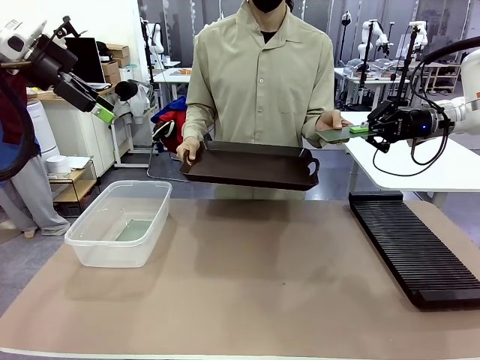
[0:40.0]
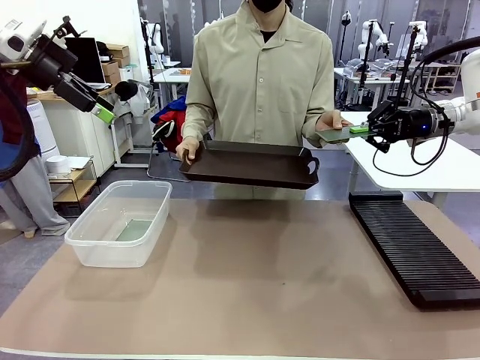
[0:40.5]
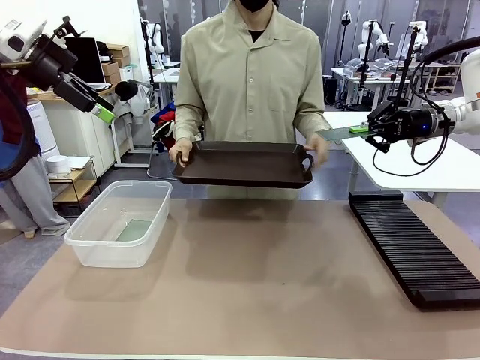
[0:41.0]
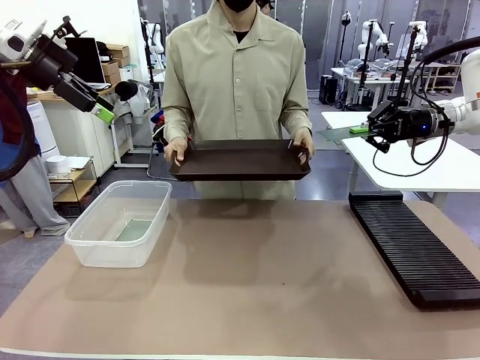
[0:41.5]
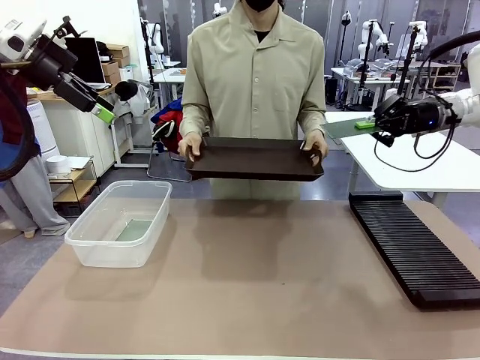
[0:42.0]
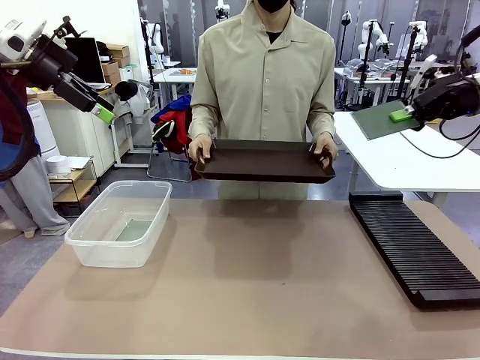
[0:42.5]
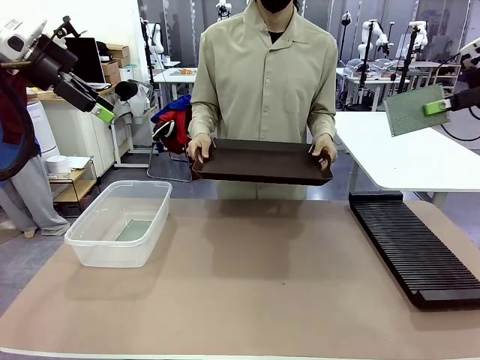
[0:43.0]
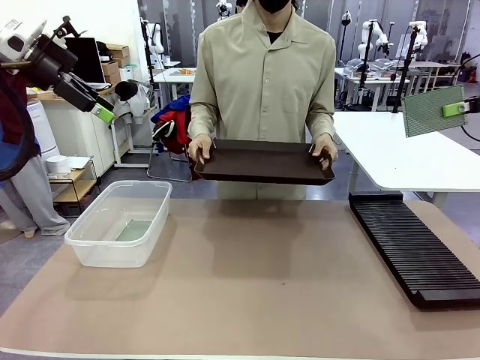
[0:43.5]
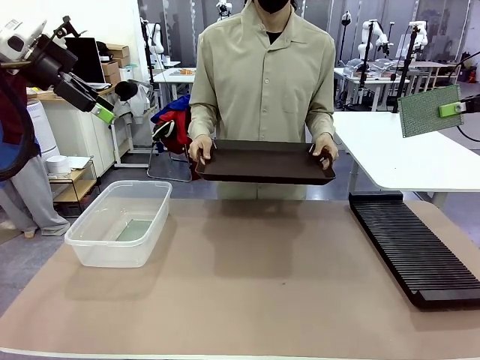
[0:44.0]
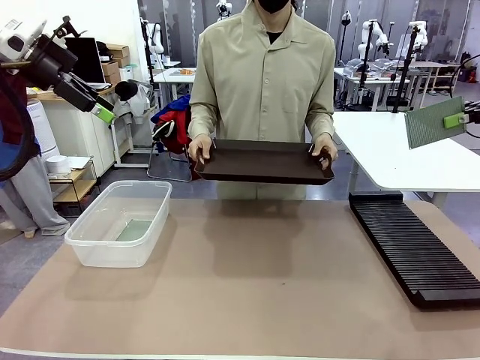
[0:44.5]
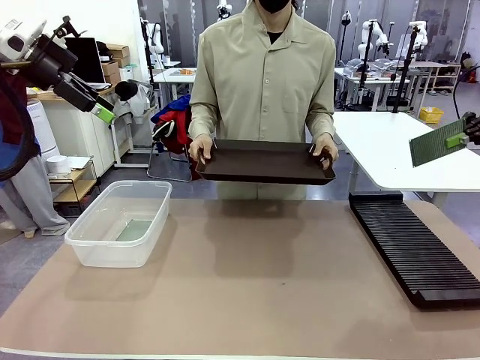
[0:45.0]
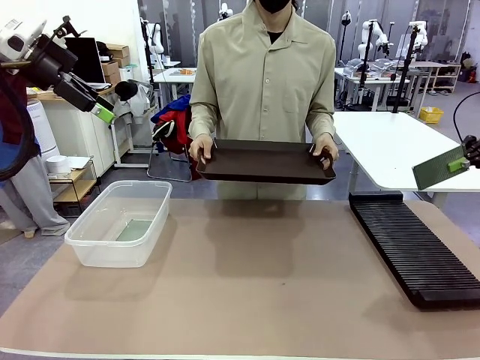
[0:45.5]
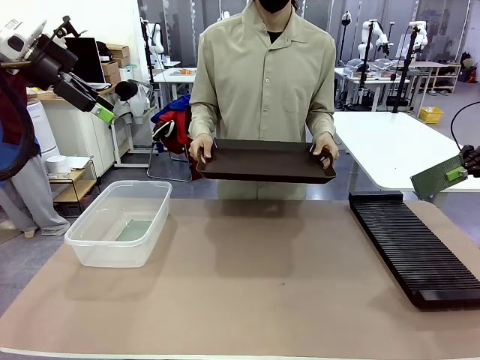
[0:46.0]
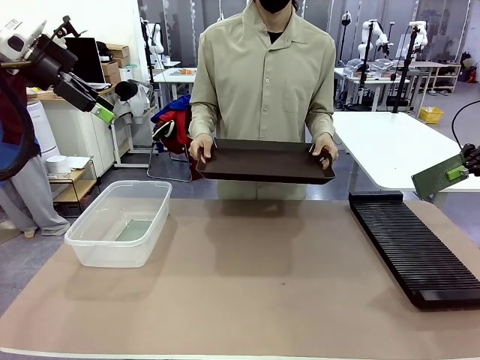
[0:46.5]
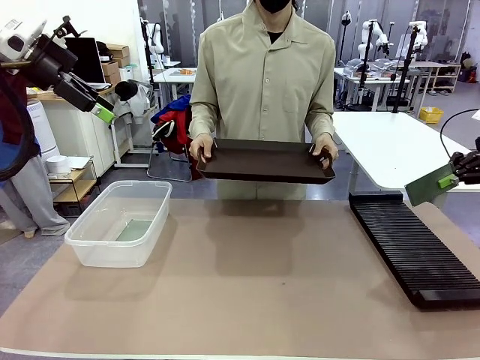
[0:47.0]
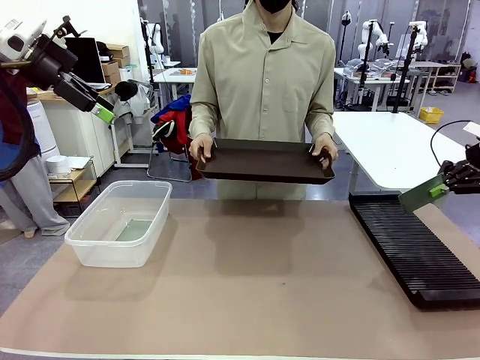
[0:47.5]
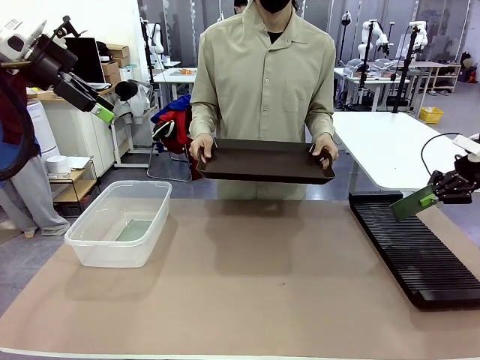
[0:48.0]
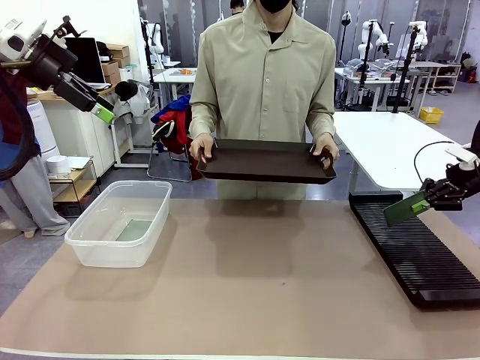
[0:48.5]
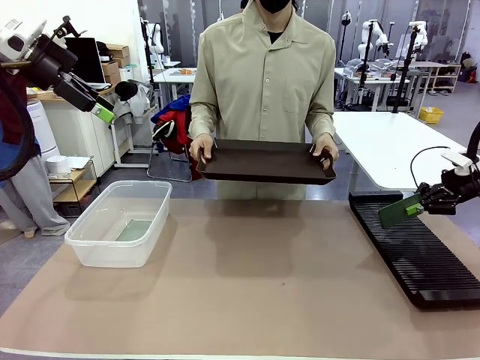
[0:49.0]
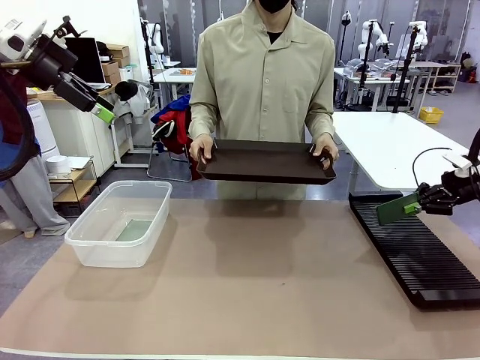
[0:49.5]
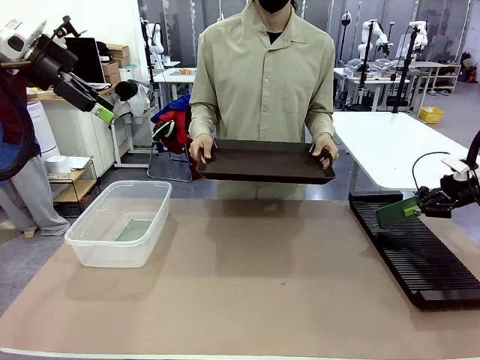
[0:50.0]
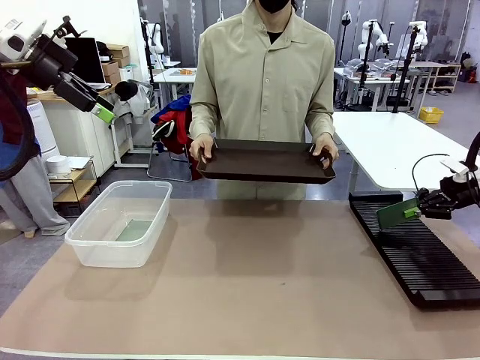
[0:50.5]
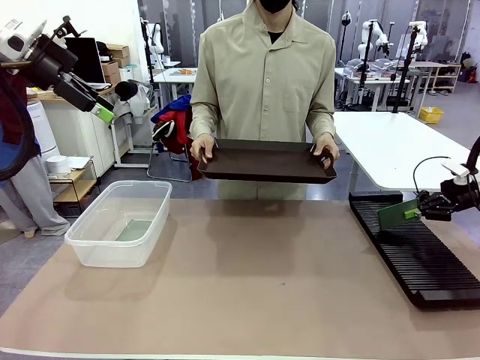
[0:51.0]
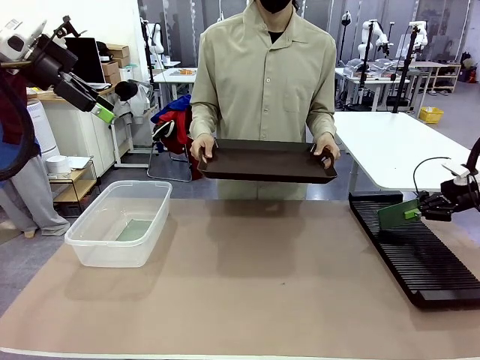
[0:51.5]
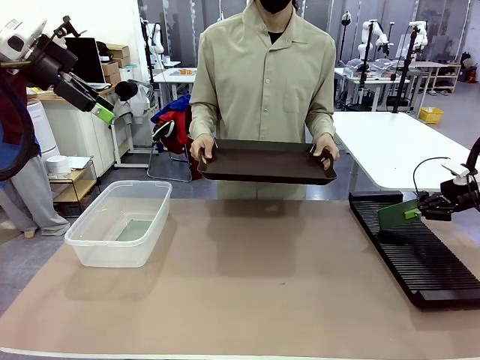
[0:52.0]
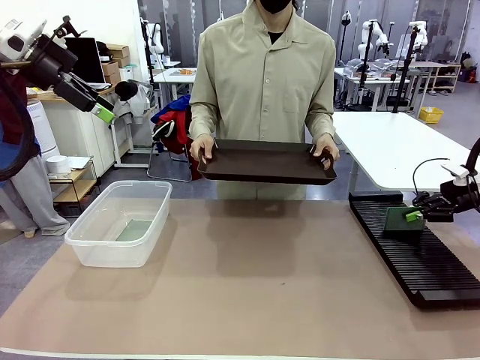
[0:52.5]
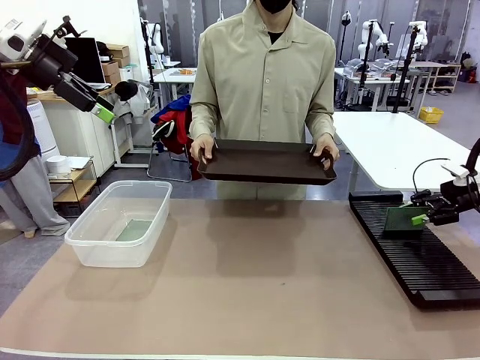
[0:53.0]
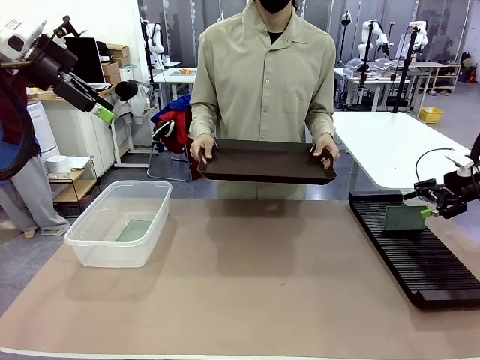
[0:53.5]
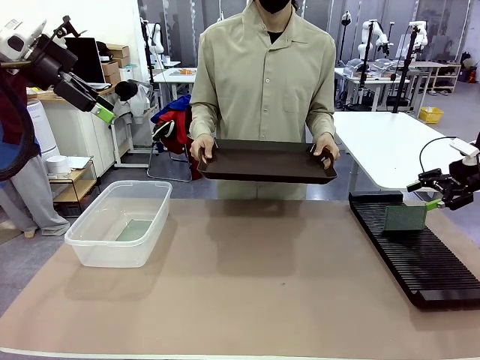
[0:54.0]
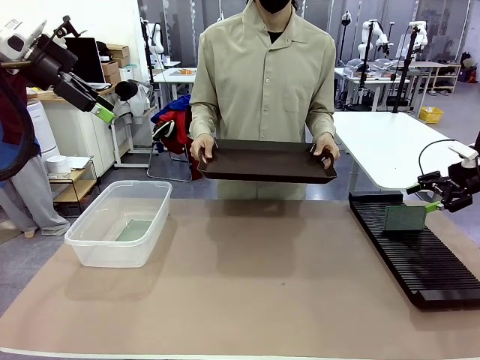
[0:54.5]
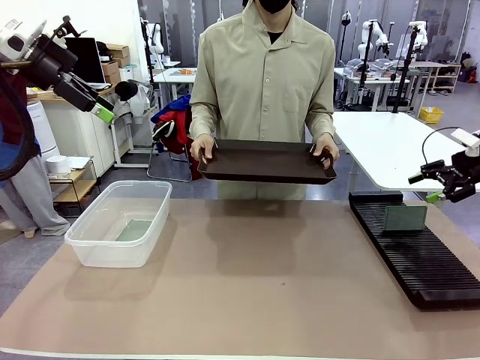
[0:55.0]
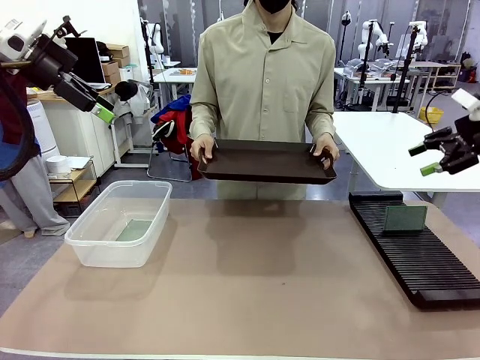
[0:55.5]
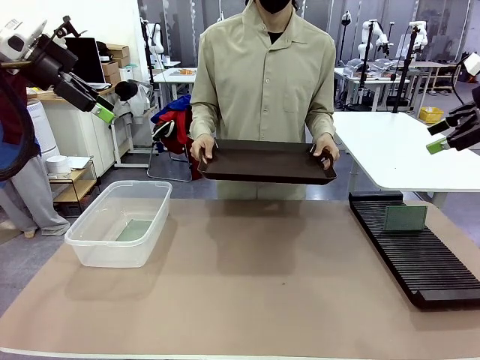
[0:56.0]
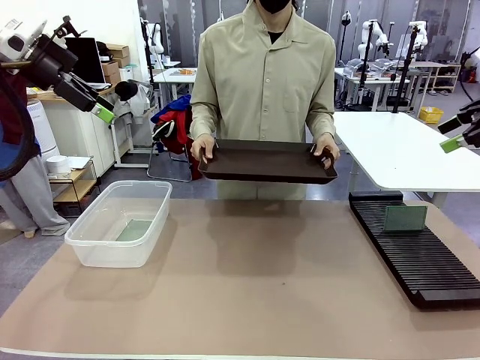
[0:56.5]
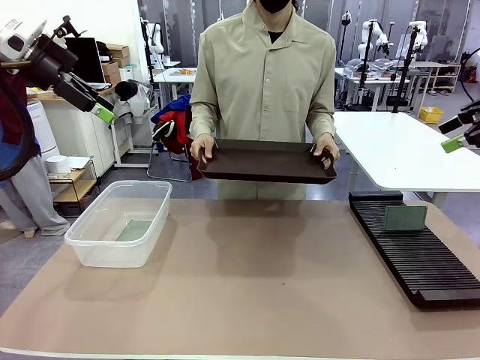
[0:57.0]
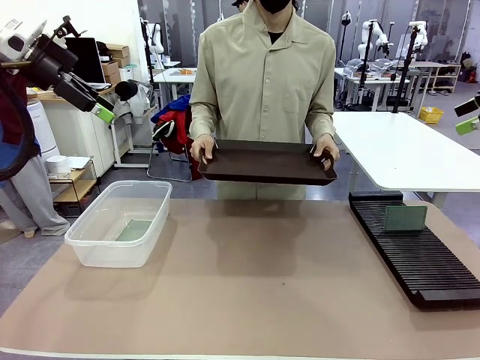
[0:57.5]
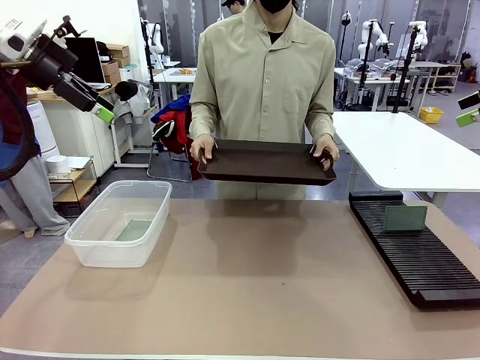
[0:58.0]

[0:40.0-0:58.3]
Task: Sort PCBs into racks and boxes based on the side picked up.
Robot: If the short side of the Blank PCB is picked up, insert it into the PCB Rack ; if the long side is picked up, place it in the Organizing box.
Person: Release the PCB being held.

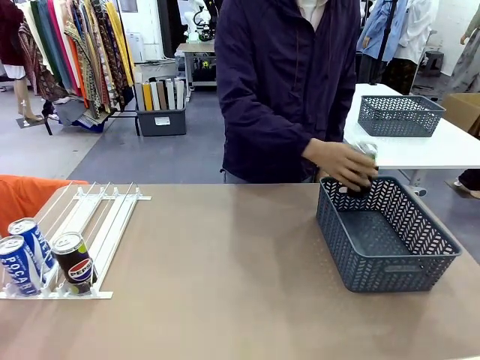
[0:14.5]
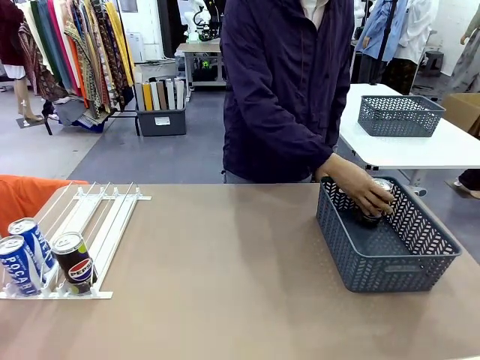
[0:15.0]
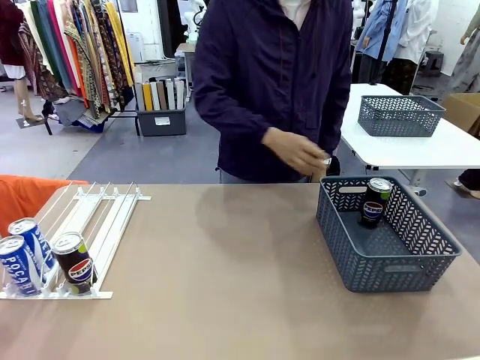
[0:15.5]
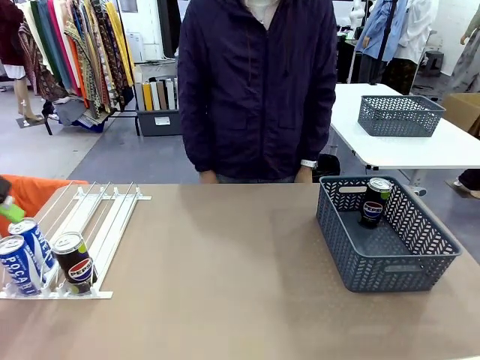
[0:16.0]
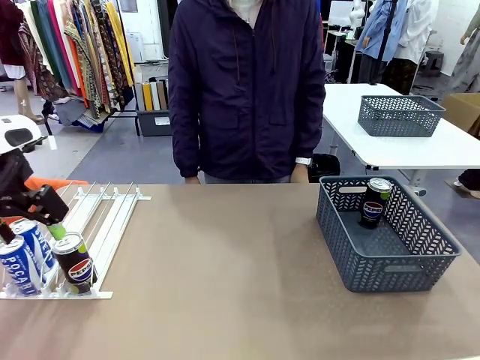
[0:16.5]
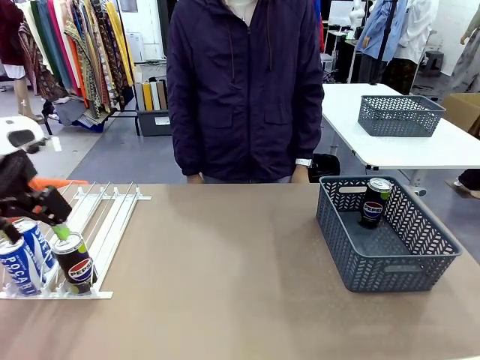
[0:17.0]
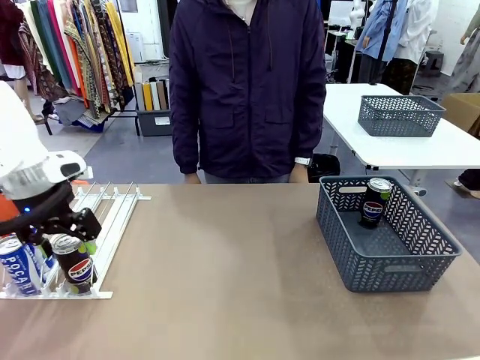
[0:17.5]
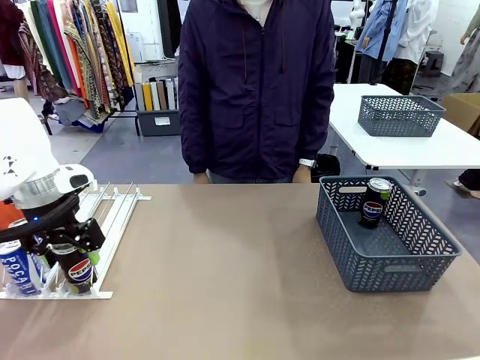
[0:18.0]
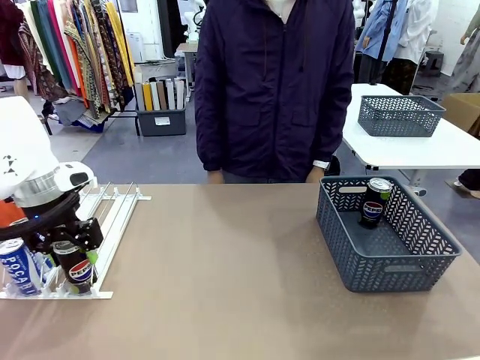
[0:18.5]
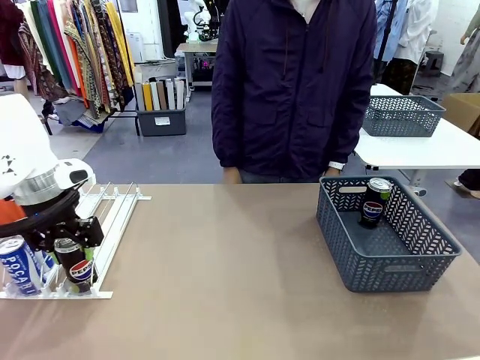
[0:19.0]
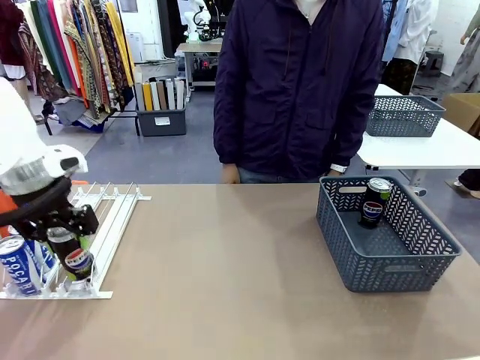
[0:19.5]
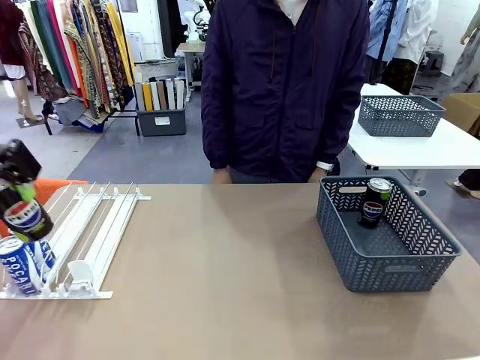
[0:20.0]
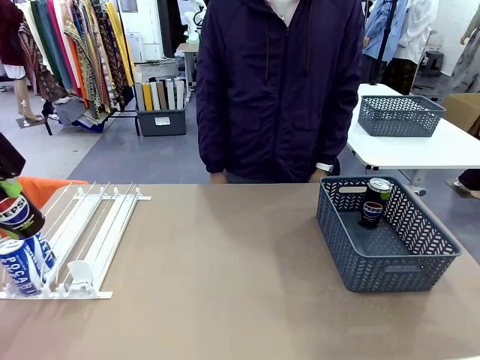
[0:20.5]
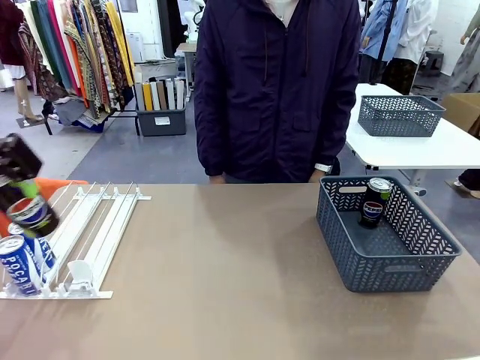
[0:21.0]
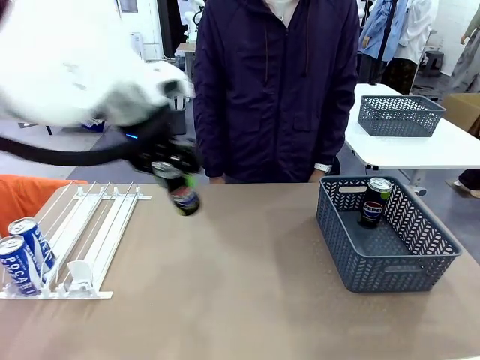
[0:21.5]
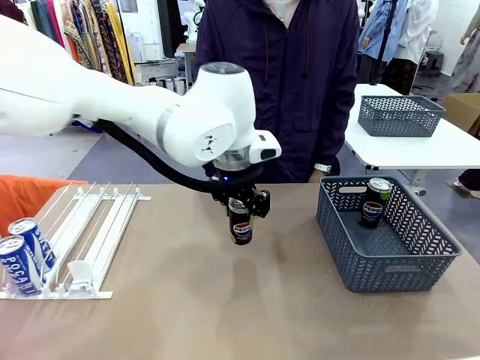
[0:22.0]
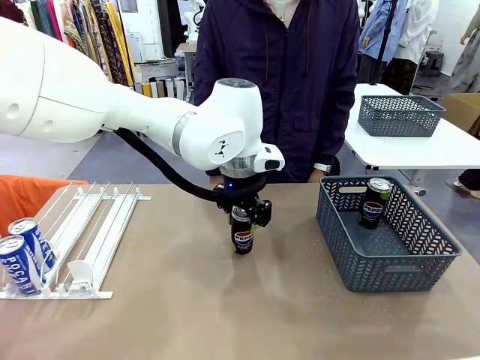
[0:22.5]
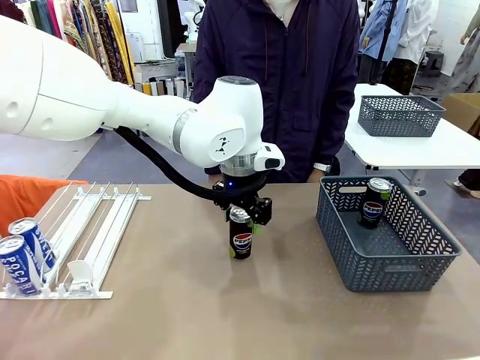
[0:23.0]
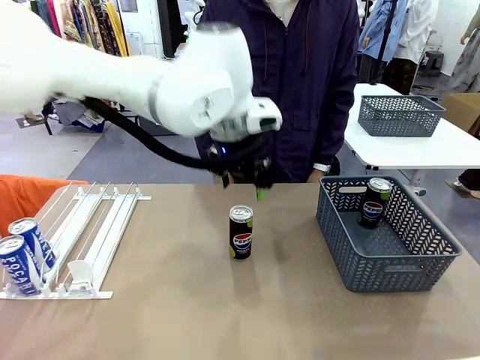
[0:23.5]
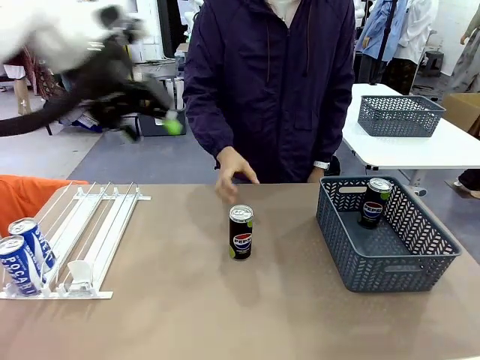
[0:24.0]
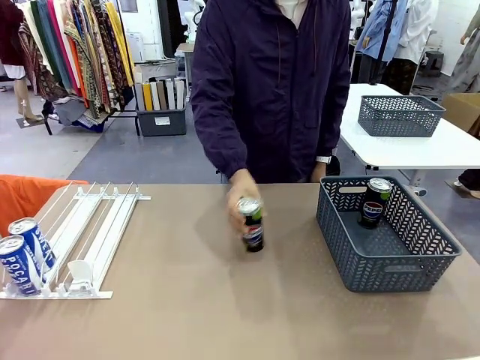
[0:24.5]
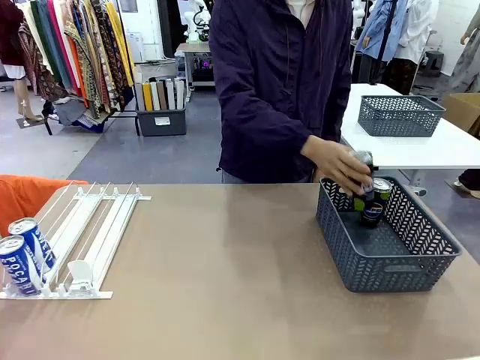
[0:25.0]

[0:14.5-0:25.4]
Task: Retrieve and store the cans from the dispenser.
Robot: Pick up the last remaining can from one row of the Automatic Can Dispenser and place it in the middle of the table.
Person: Pick up one Pepsi can from the middle of the robot table and place it in the basket.
